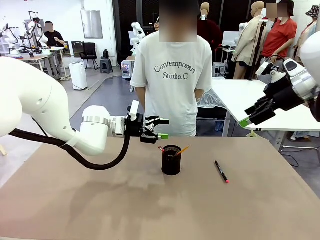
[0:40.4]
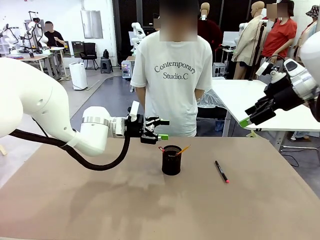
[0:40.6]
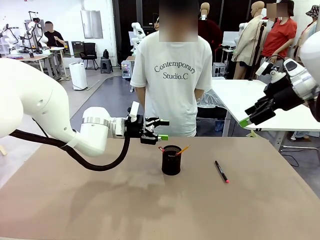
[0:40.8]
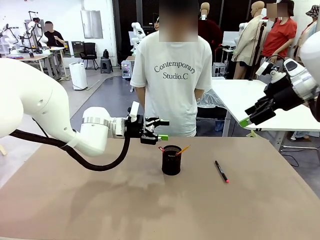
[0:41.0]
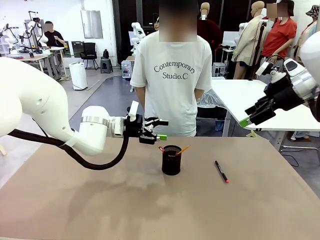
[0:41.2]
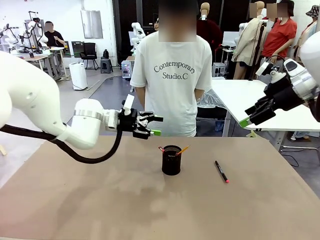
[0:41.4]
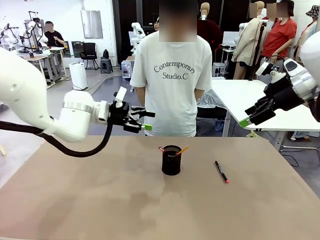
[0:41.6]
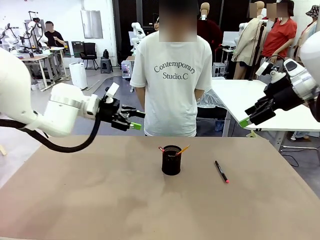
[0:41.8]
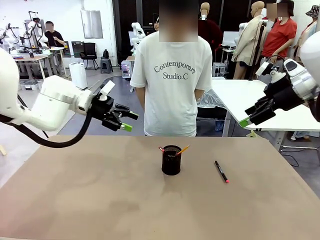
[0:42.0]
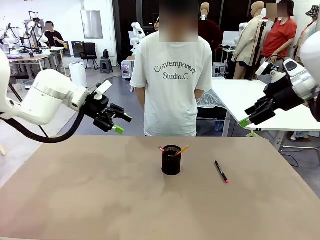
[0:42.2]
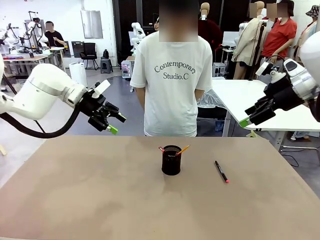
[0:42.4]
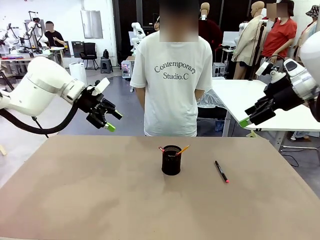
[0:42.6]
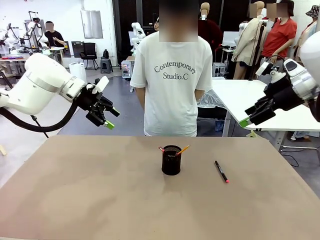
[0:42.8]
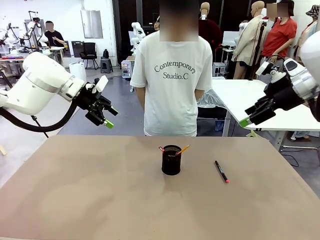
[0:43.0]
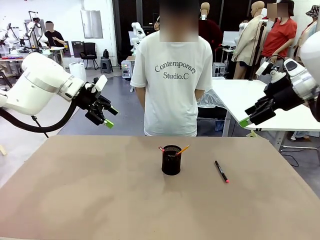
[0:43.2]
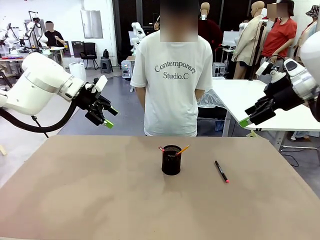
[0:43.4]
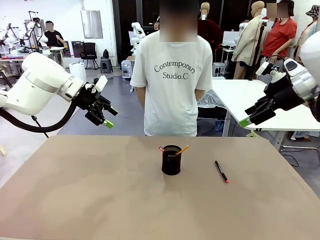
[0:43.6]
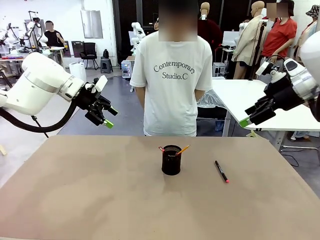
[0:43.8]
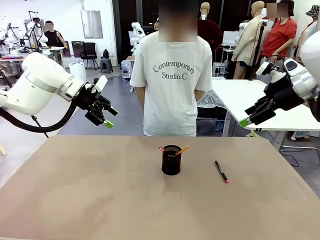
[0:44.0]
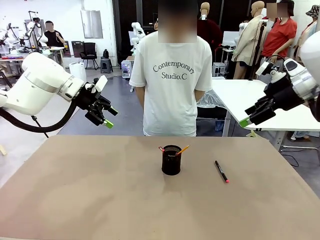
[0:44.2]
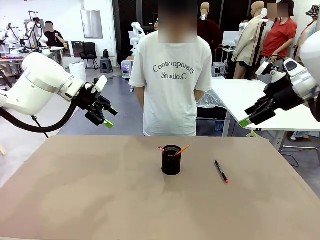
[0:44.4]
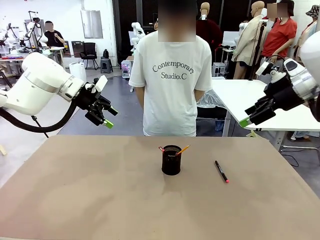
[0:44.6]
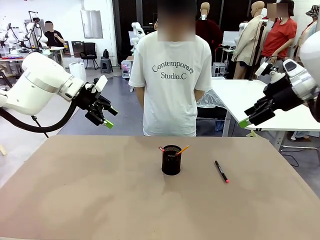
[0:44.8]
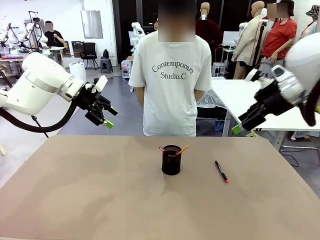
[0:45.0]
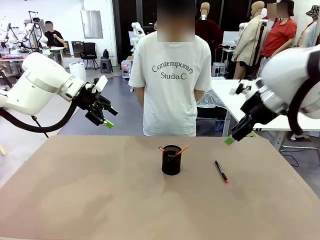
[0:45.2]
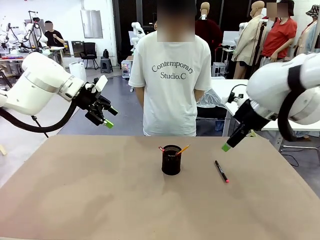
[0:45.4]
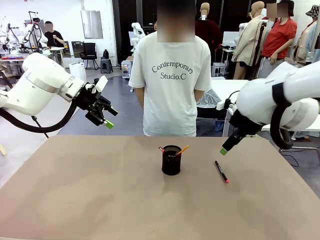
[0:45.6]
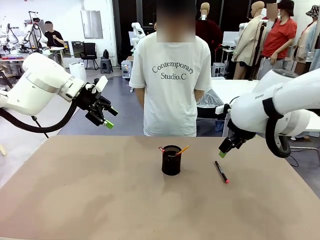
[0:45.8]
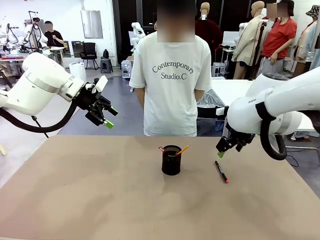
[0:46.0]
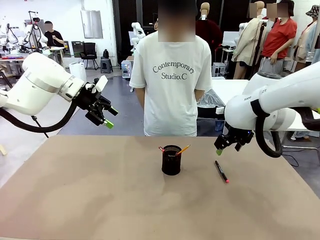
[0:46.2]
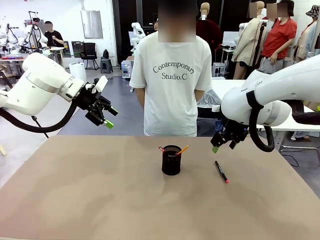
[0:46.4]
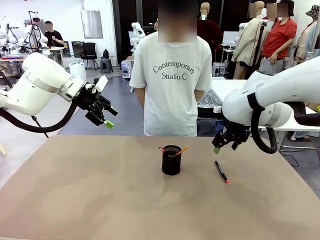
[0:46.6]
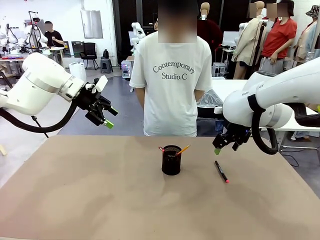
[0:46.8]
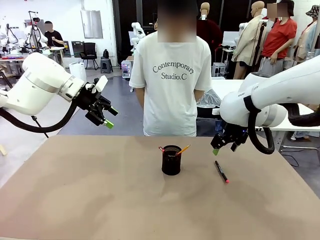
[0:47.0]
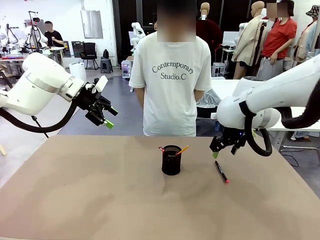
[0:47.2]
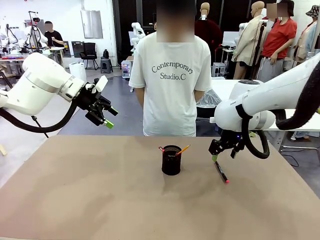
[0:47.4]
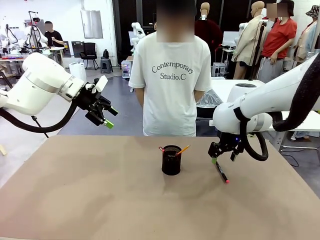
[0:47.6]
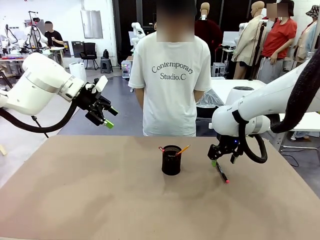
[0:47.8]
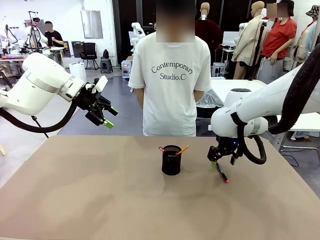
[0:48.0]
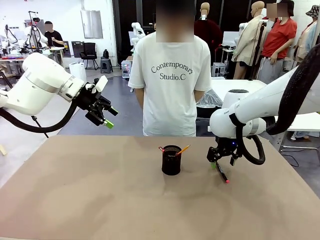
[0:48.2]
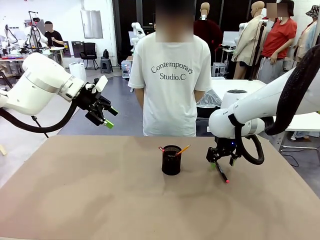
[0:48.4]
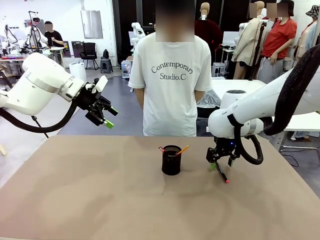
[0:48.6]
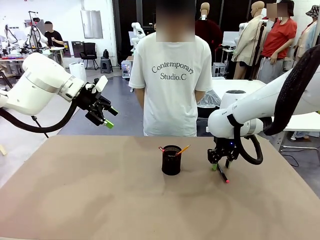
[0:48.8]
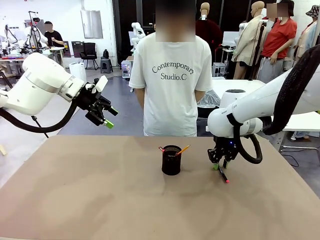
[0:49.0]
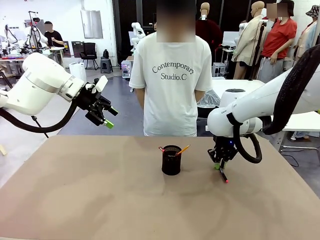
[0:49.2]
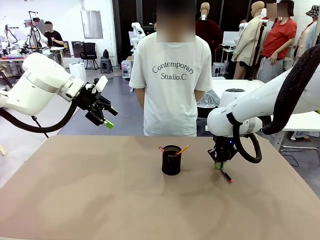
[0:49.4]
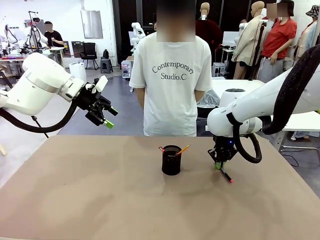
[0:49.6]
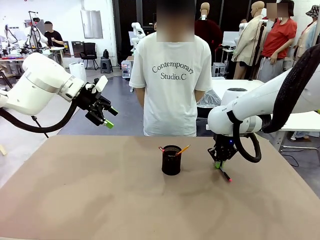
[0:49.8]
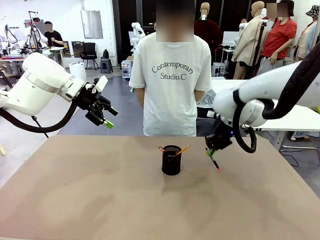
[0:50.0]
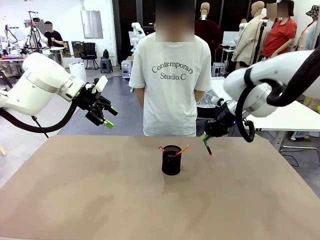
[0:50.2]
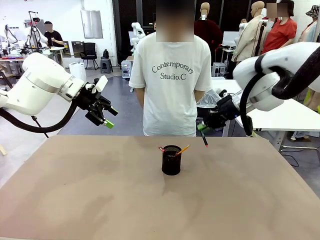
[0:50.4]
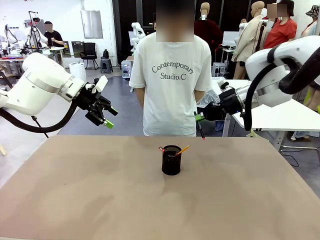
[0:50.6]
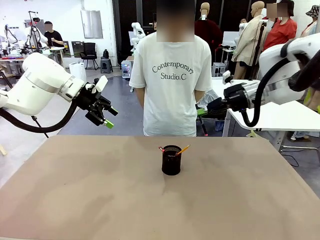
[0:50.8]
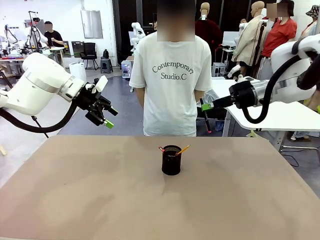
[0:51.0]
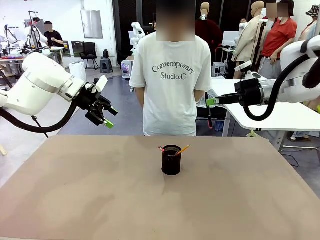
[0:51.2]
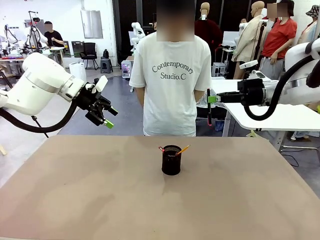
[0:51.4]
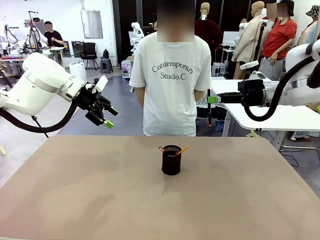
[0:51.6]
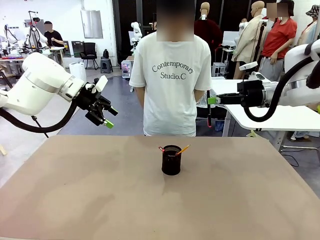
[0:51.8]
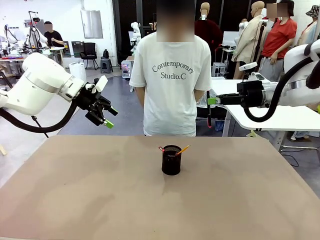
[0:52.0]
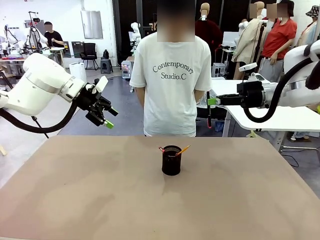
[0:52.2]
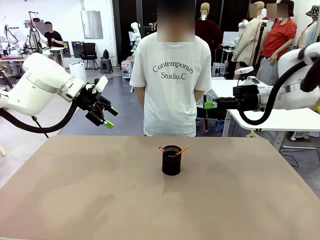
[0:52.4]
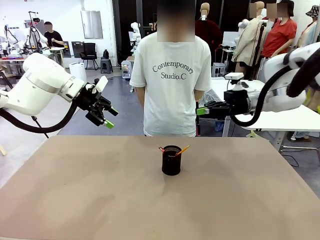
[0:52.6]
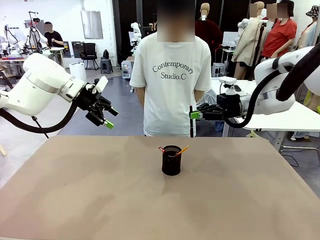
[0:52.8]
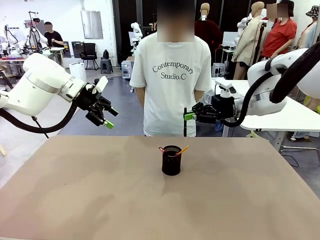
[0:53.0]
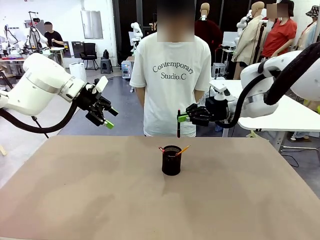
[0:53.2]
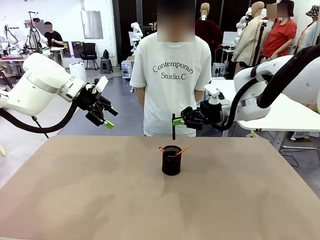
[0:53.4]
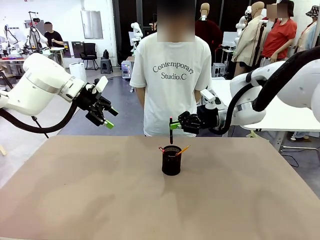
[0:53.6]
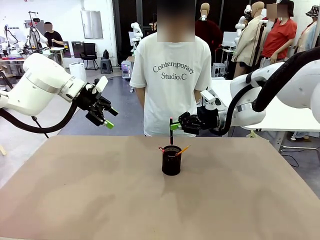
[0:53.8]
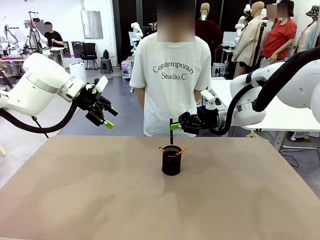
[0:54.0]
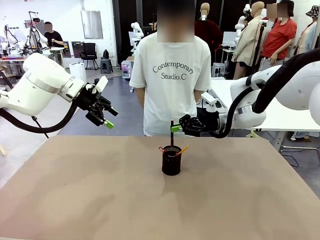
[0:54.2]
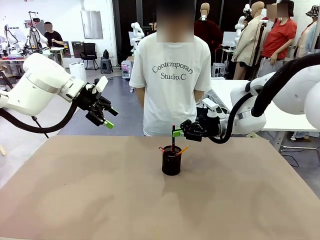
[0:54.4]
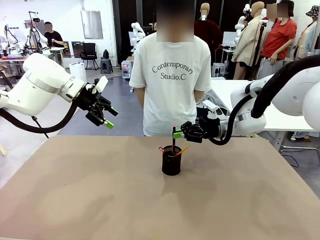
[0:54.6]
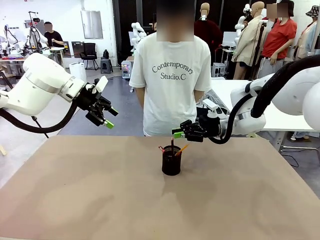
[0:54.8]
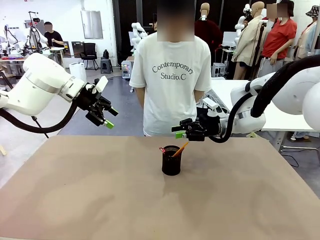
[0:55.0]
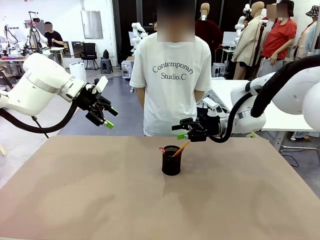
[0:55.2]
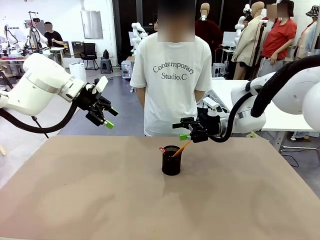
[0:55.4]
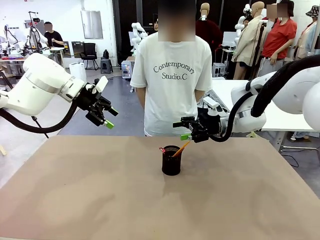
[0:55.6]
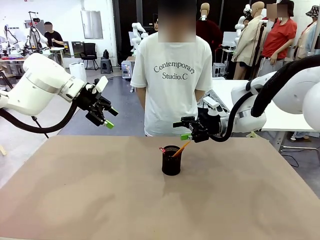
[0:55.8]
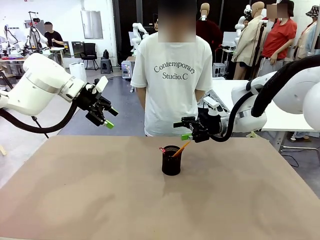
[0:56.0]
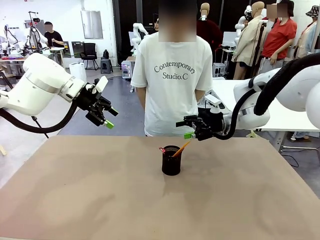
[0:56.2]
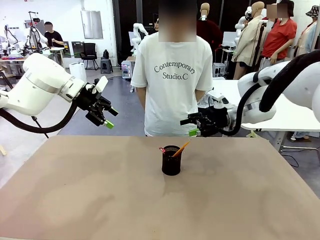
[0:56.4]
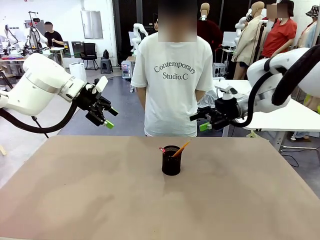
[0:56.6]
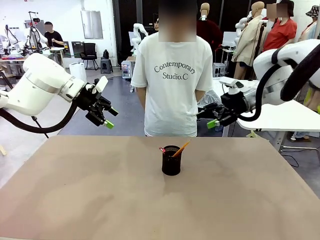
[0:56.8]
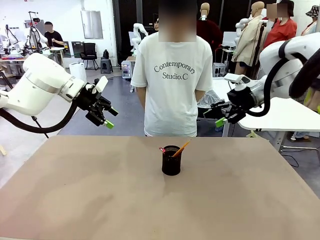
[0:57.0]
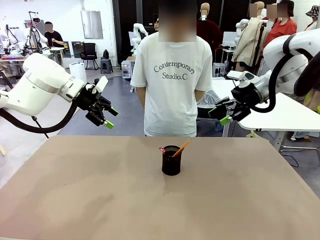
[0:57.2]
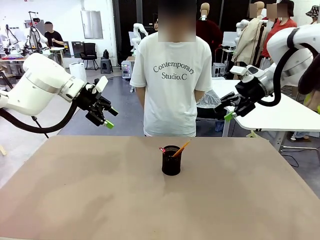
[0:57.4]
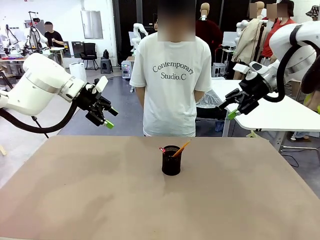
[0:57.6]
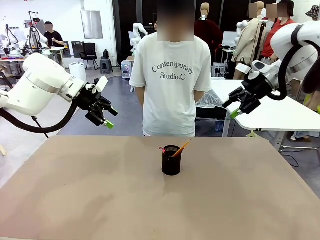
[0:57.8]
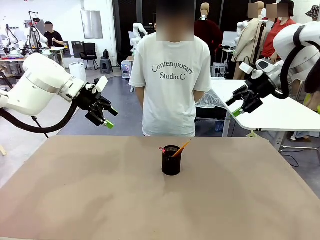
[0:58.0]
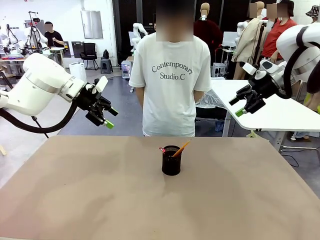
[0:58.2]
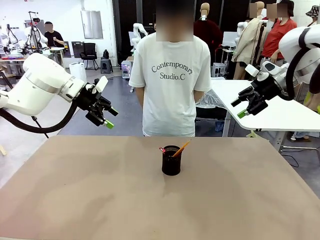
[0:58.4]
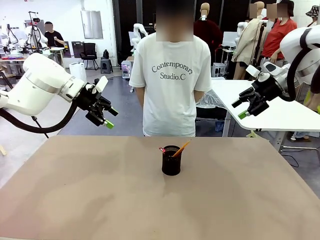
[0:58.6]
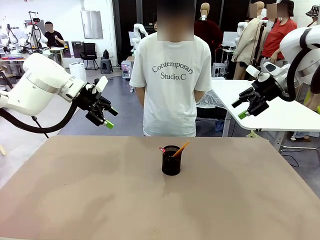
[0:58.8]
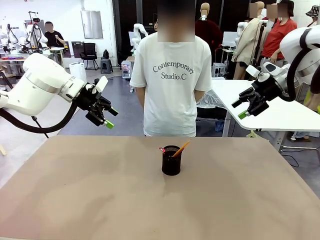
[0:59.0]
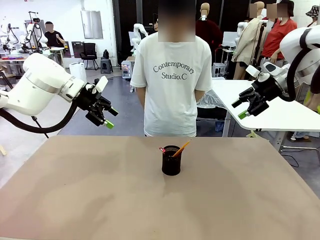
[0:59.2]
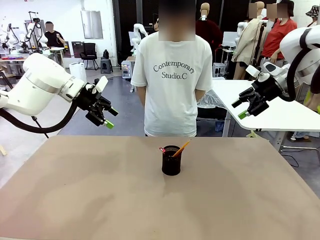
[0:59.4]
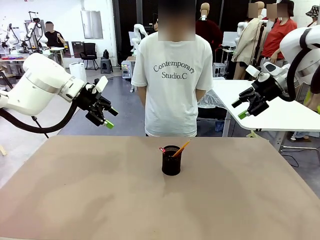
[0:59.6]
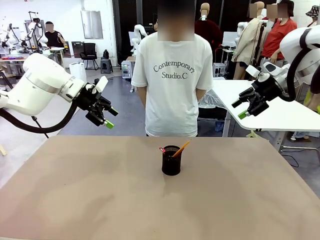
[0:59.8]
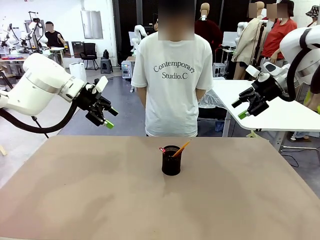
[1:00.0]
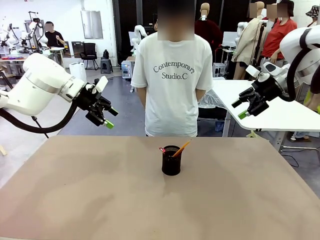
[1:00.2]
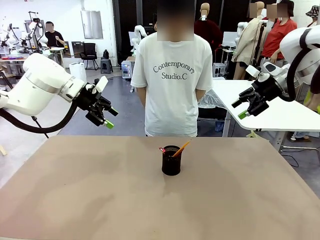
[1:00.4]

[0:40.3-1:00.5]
Task: Place the pens into the pen holder.
Robot: Pick up a writing instrument from the table and place it into the Pen holder.
